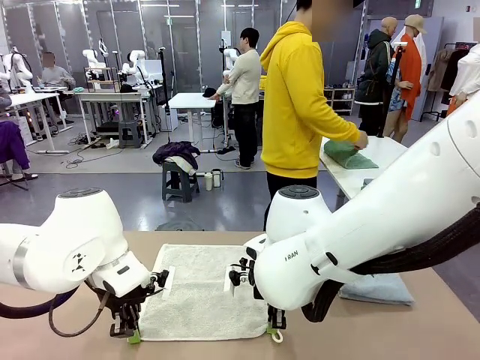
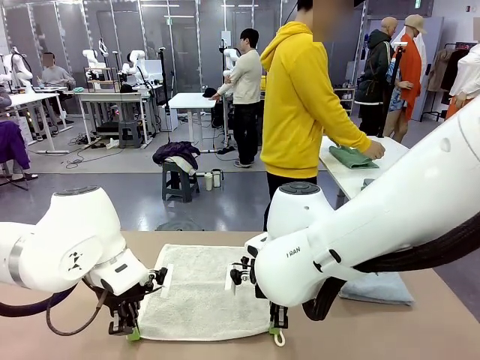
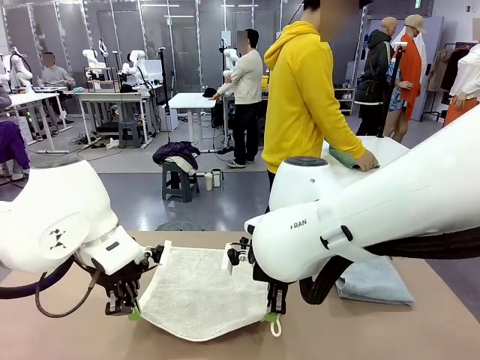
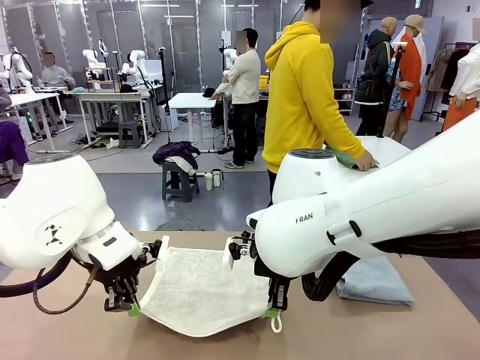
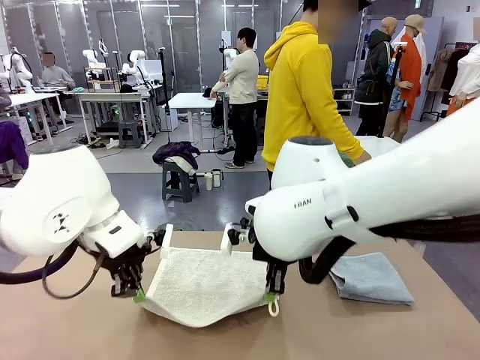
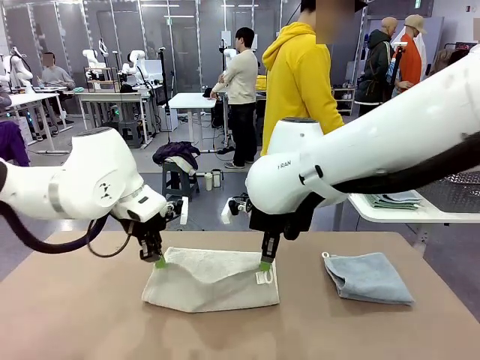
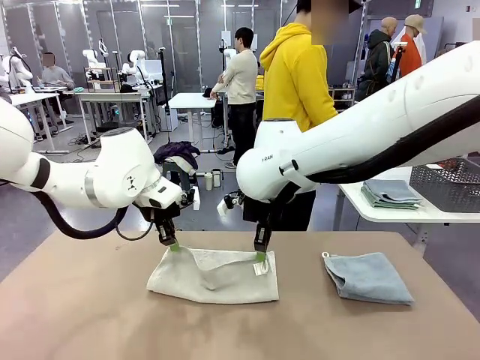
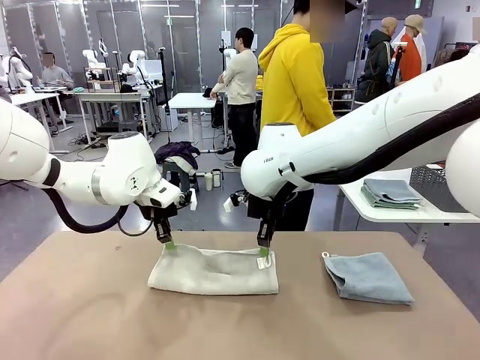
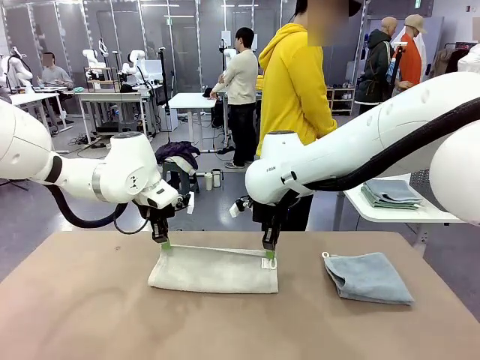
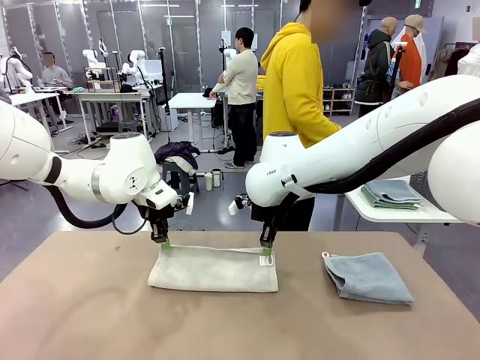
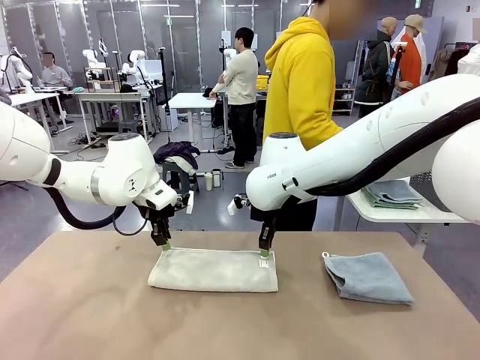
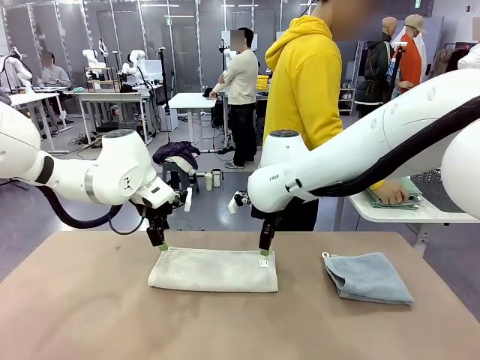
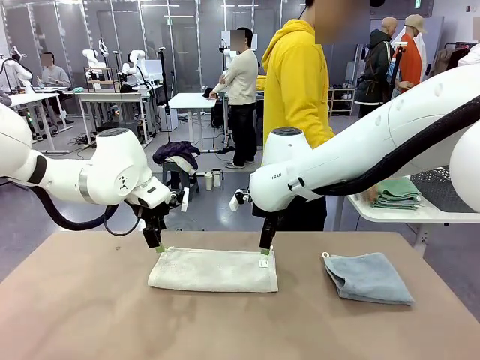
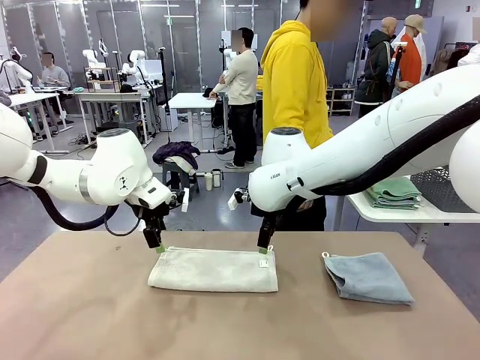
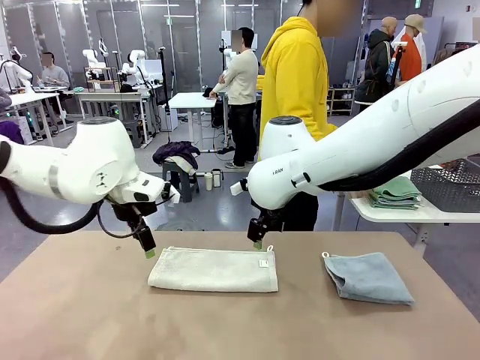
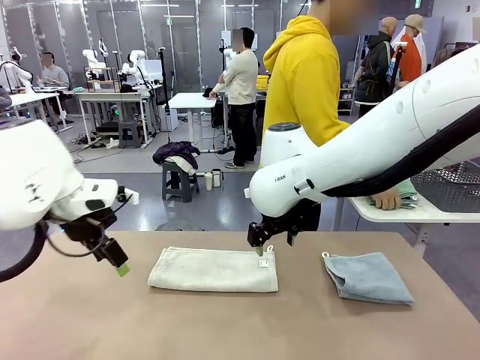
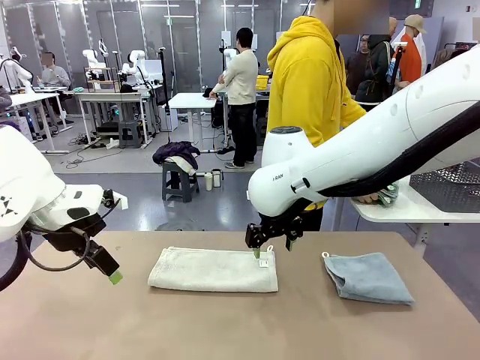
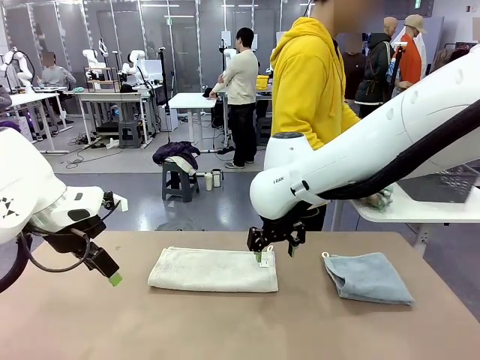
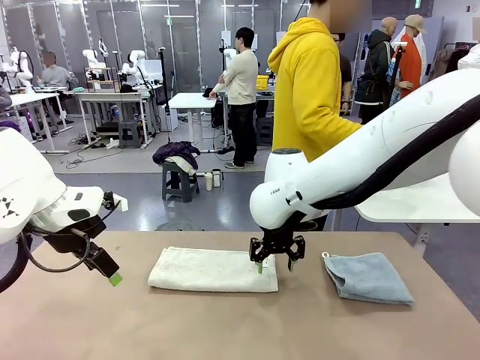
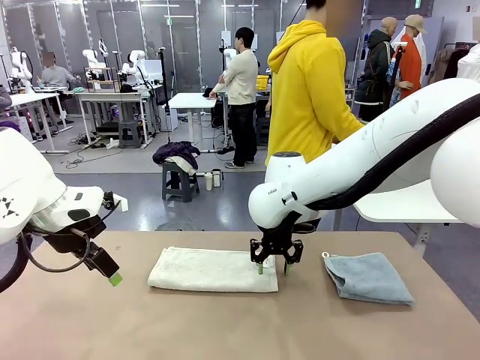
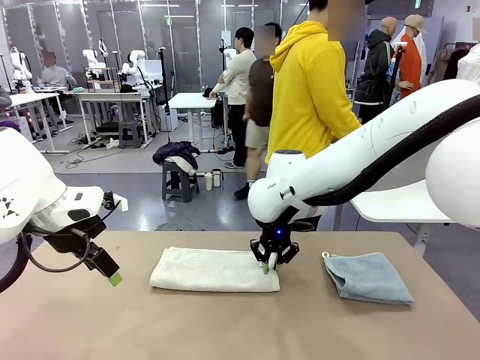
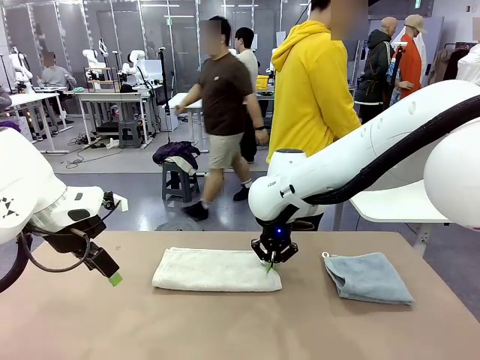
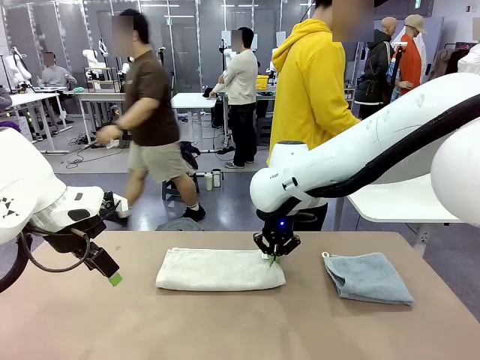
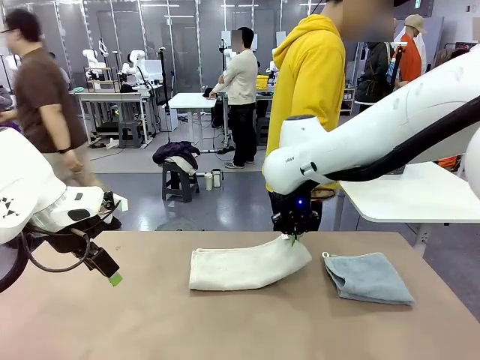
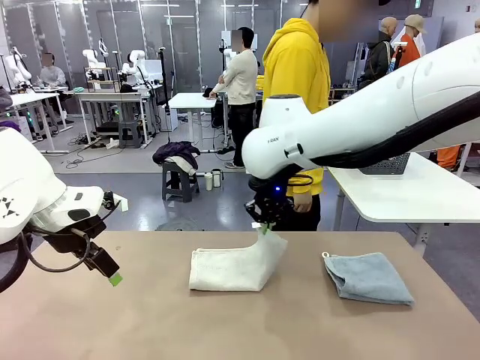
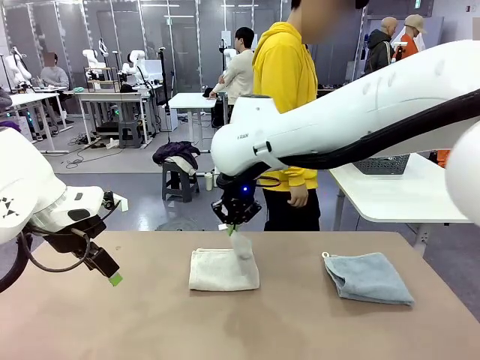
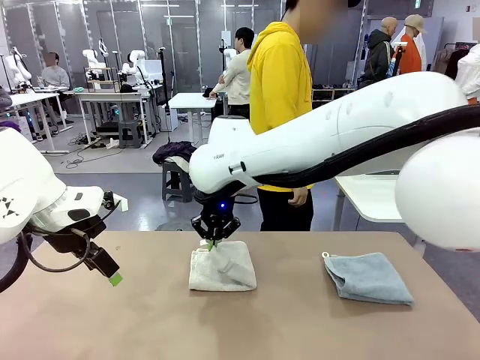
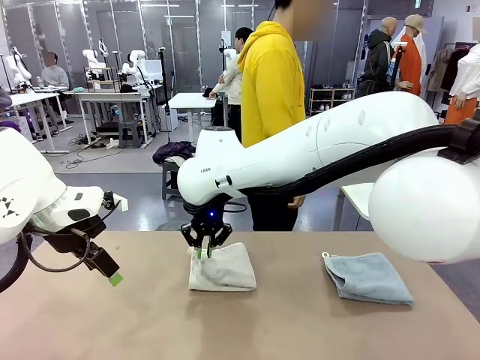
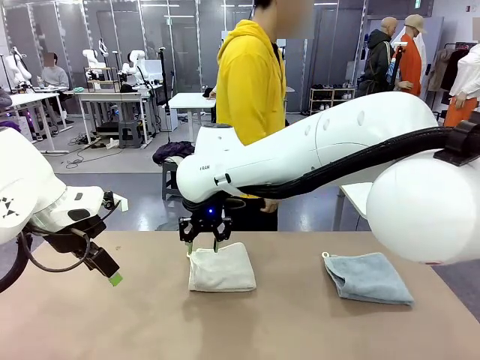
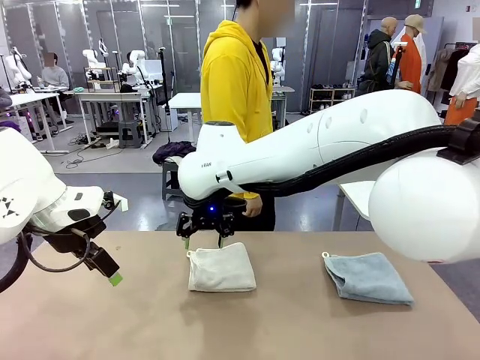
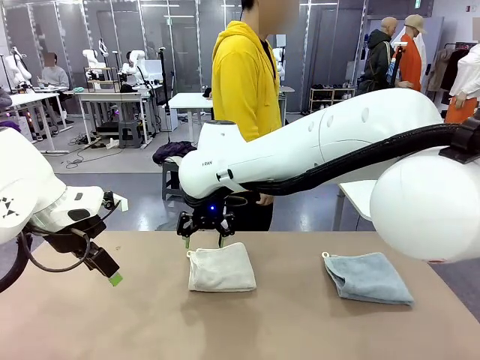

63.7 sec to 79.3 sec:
Task: Fold the towels and place them in the basket.
Robot: When a person lays out a Towel with hook on the table, fold it in half twice.
Person: Pick up the stack of towels from the right side of the human table, place it into the basket, and put the basket at the center of the table.

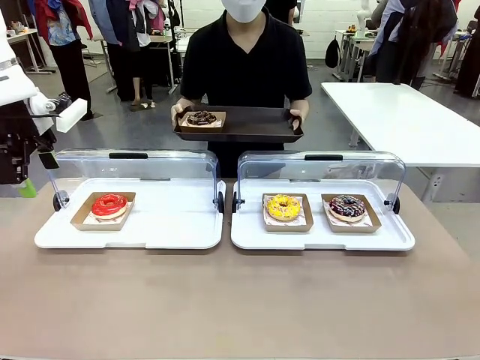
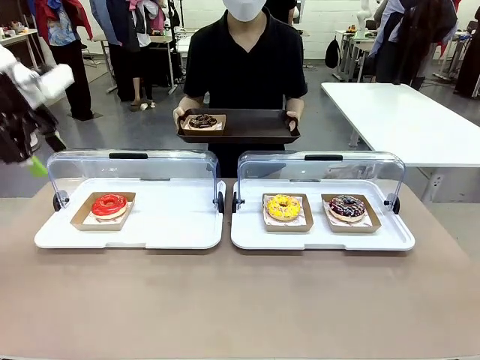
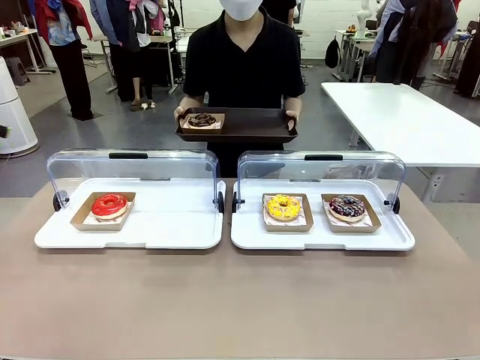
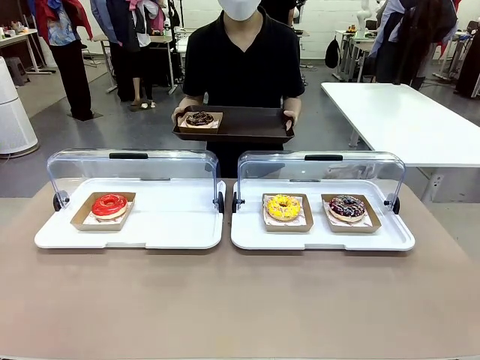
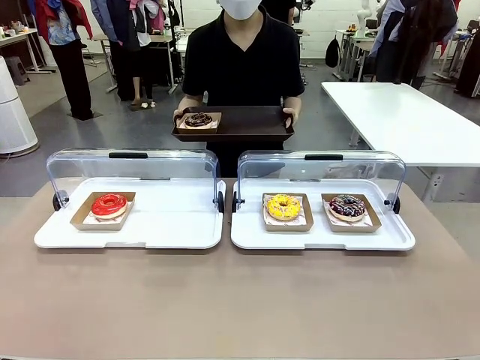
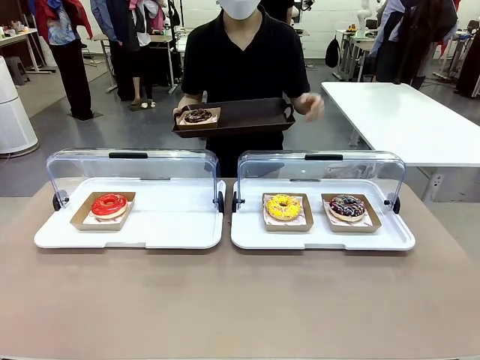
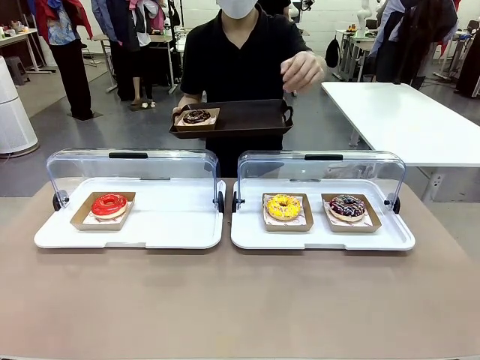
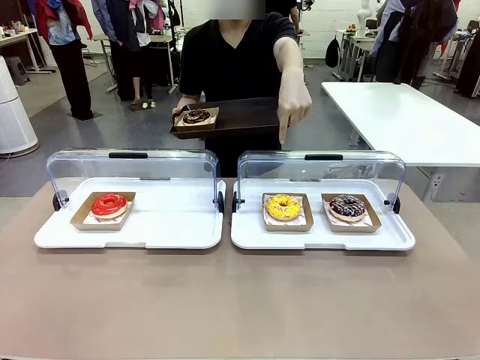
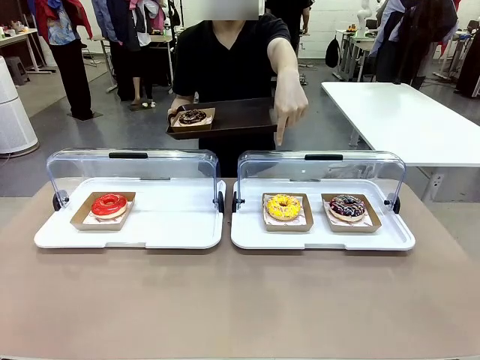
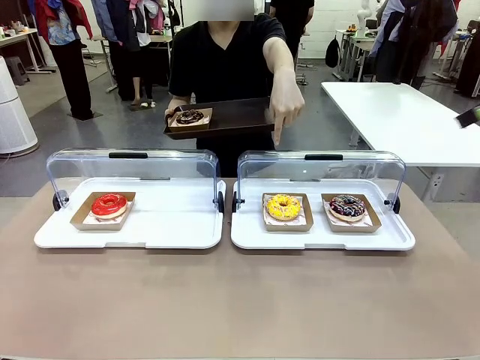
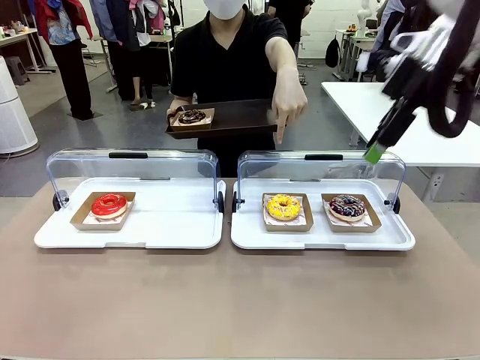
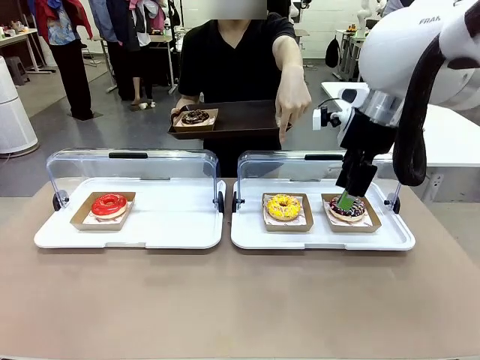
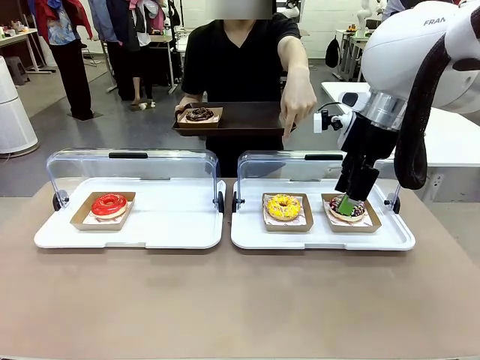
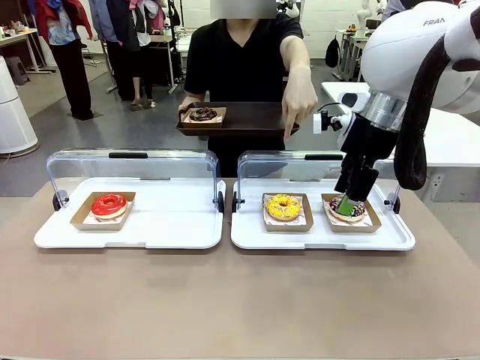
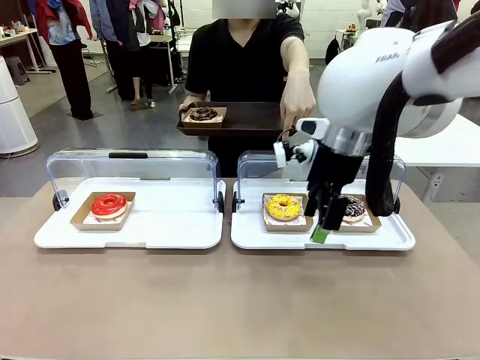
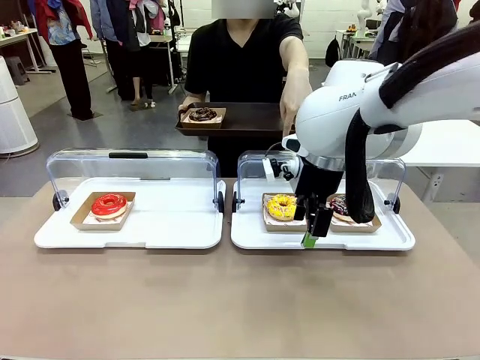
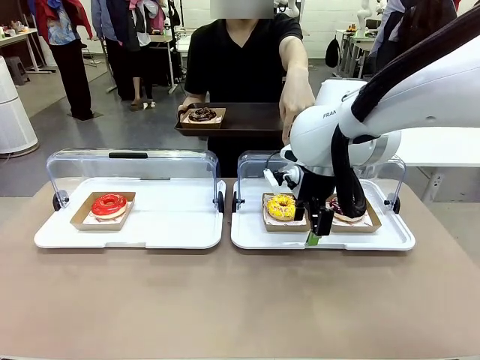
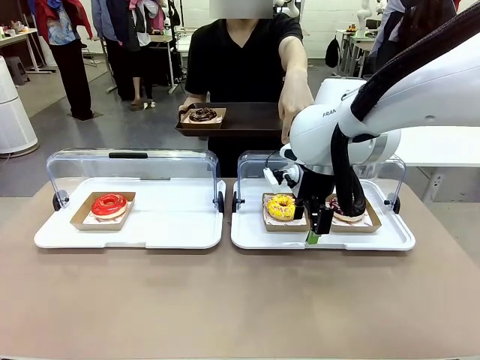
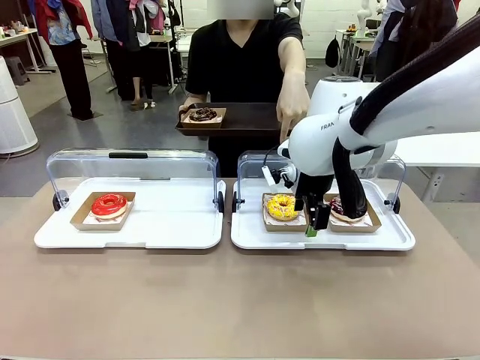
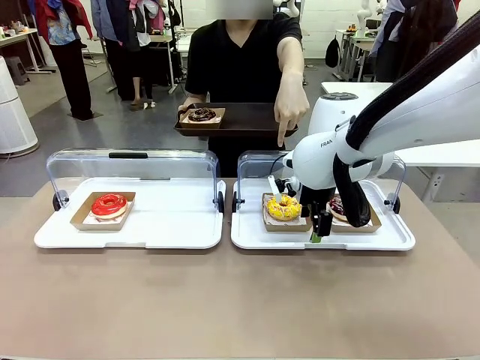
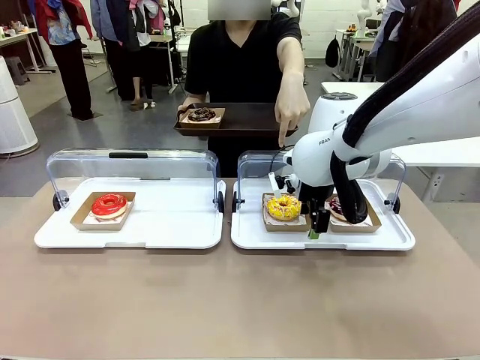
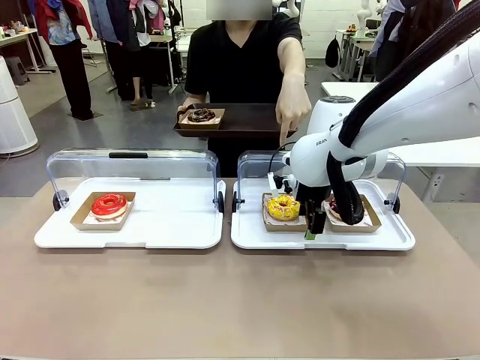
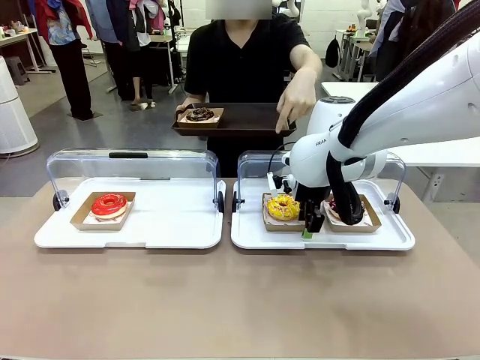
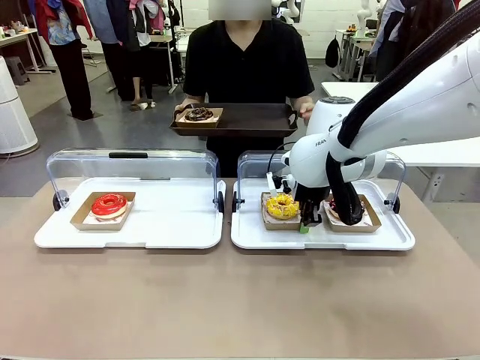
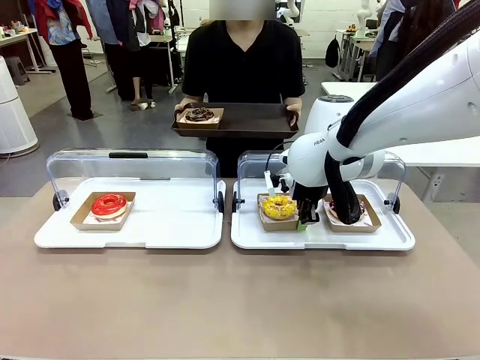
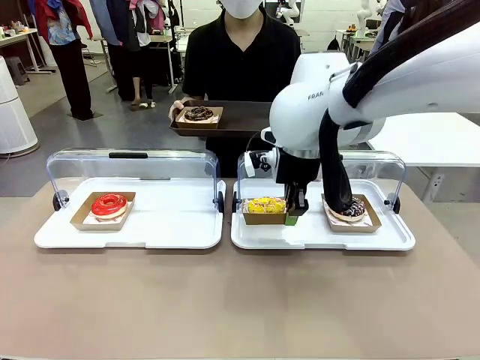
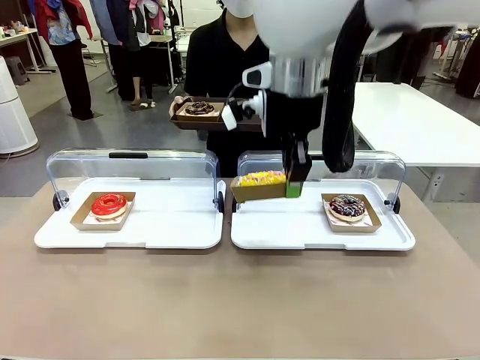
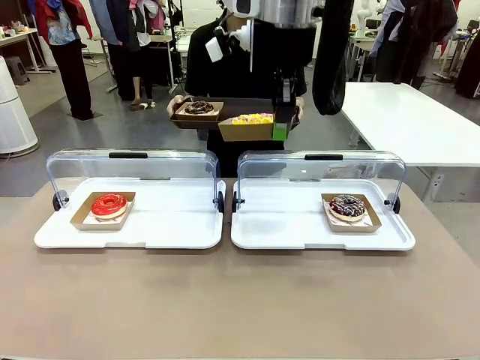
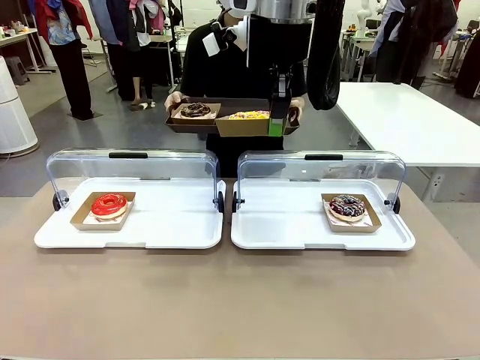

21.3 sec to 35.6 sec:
Task: Provide the desired donut to the person.
Robot: Pick up and lift the Paper togo box containing the Donut pointed at by the person.
Person: Point to one donut. Lift the tray onto the Roll-Top Bakery Case.
